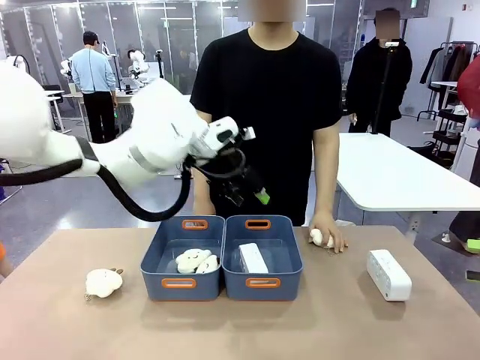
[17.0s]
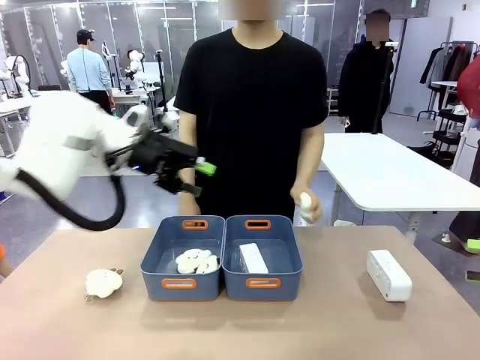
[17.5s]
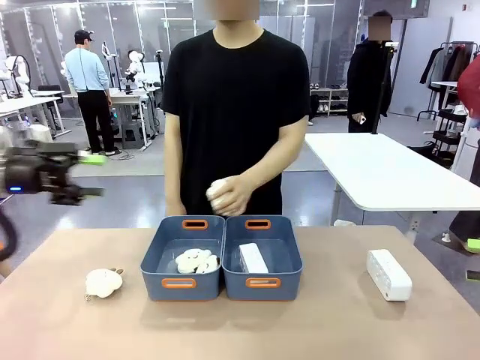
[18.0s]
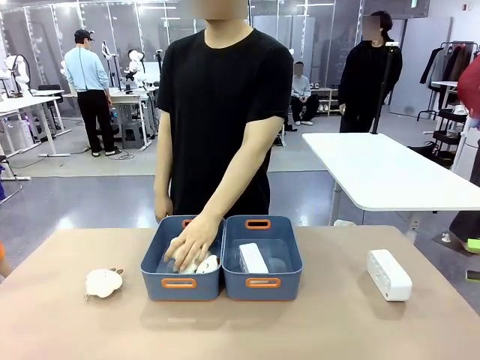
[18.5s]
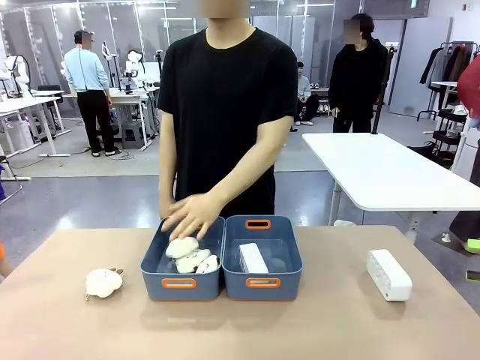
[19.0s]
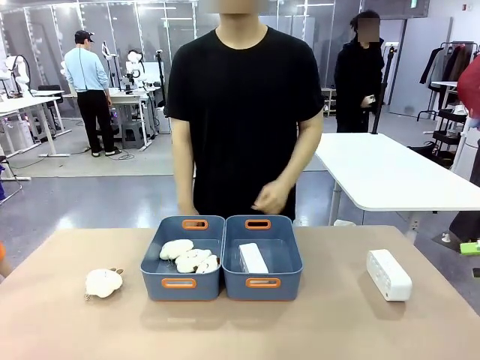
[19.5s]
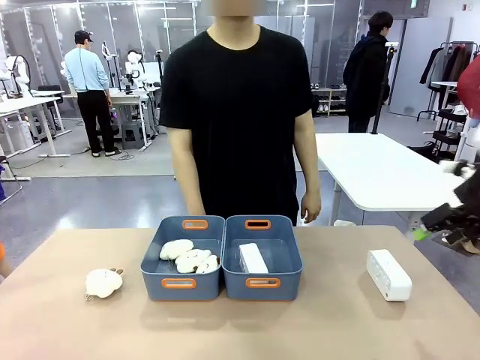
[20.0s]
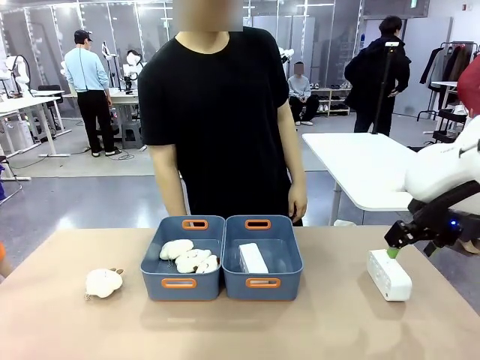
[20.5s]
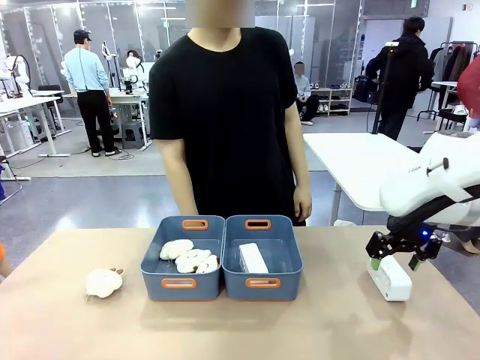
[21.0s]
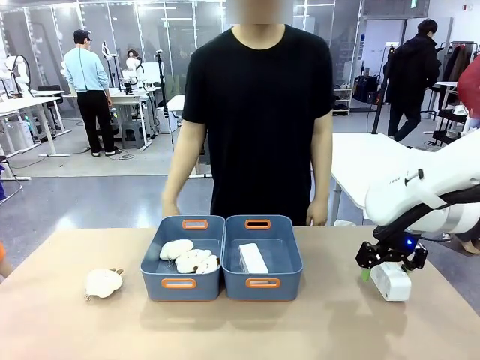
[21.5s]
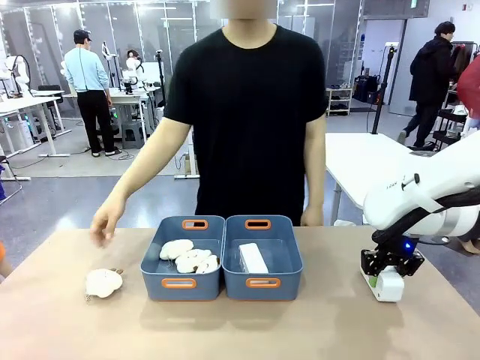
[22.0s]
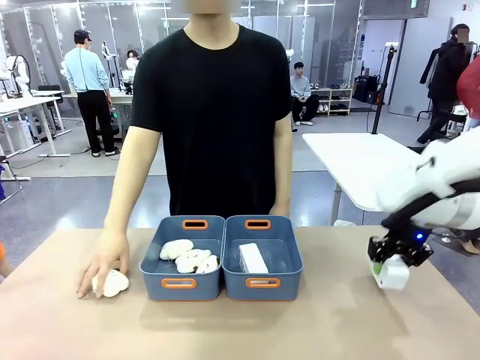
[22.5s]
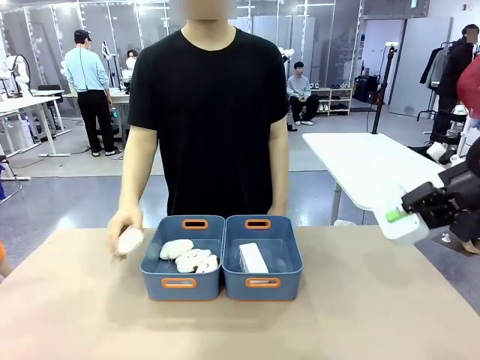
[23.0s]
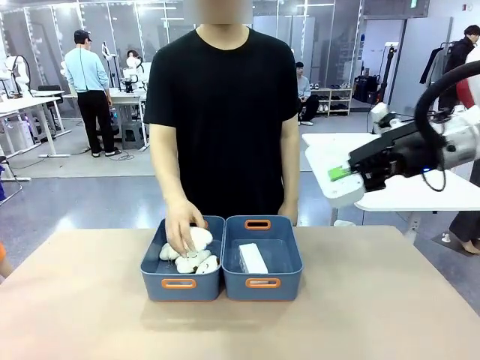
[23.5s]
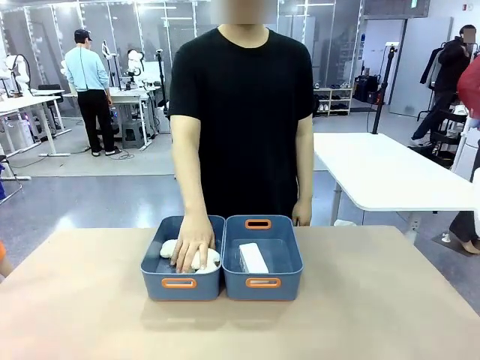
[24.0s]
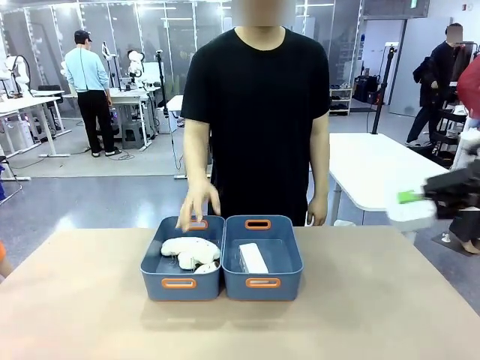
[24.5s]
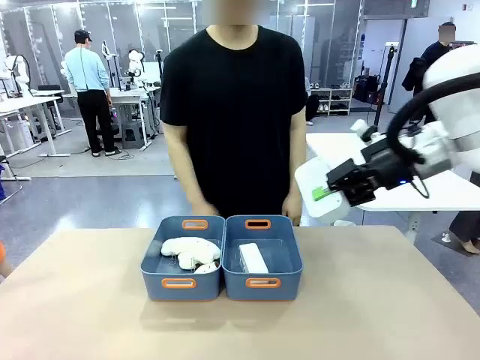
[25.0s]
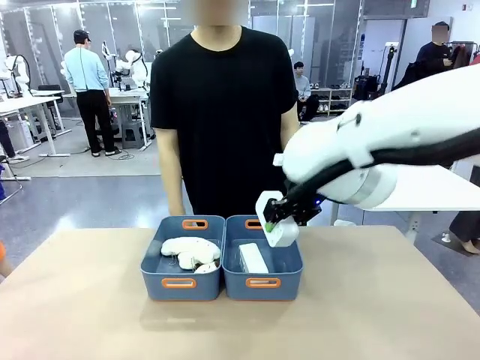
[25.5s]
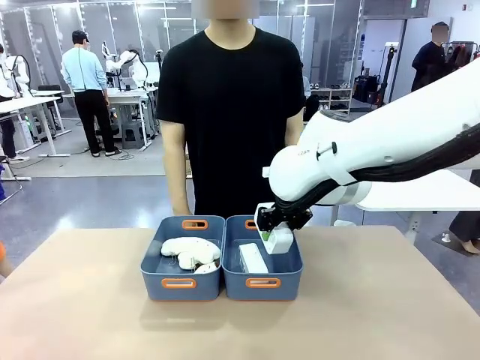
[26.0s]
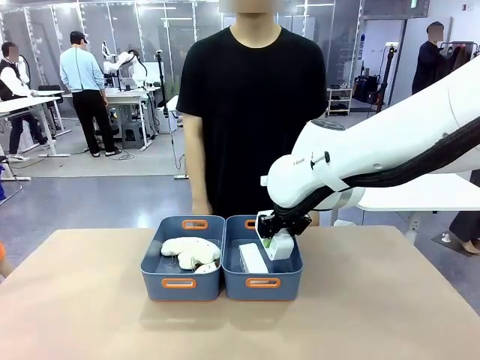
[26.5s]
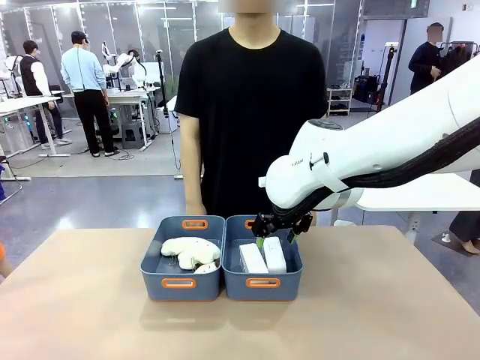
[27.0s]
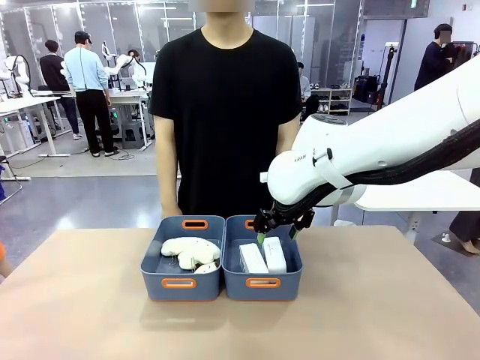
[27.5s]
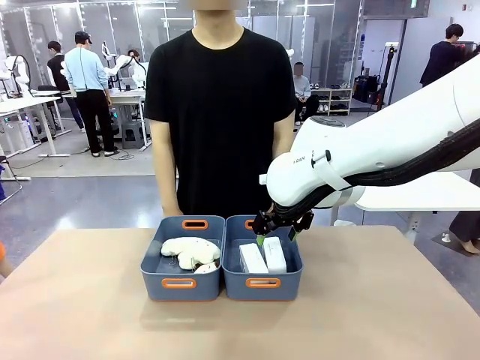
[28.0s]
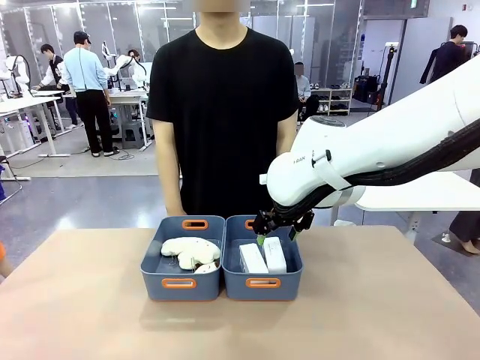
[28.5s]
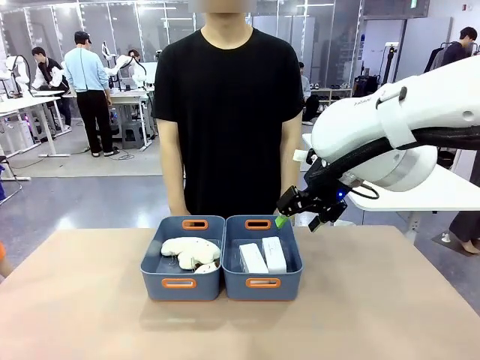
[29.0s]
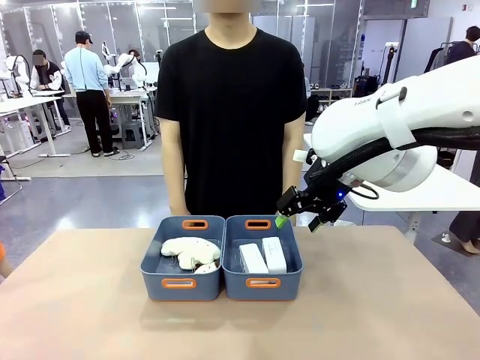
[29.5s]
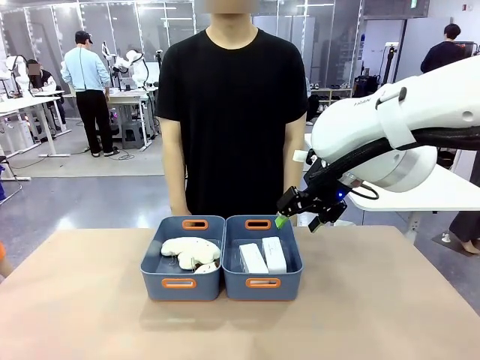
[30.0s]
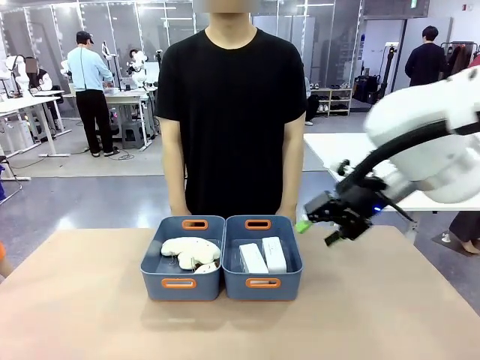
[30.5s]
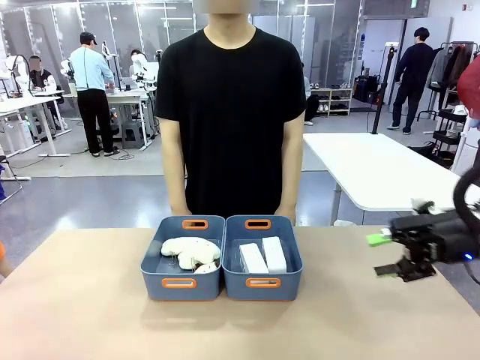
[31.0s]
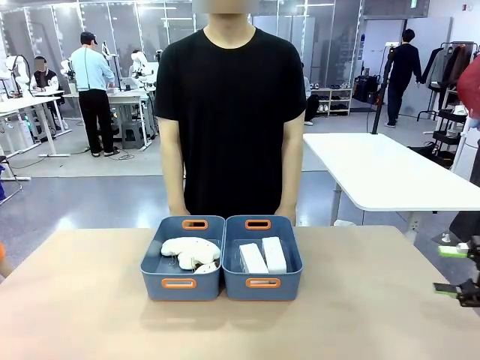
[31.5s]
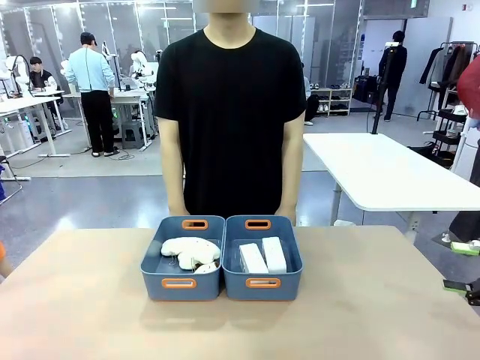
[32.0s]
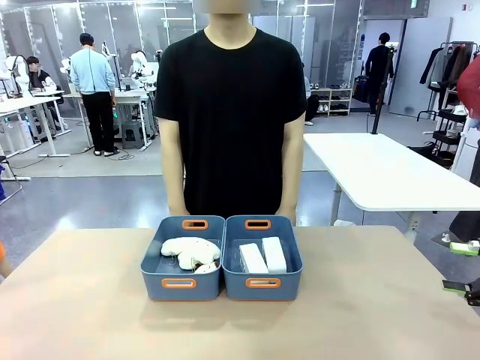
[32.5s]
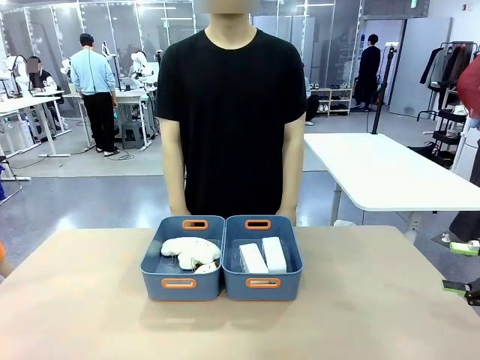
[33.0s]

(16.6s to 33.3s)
Task: Sort the digital clocks into the basket.
Robot: Pick up the Digital clock from the table and place it into the empty Plastic storage basket.
Person: Pick up a plush toy from the table and place it in the plastic storage basket containing the plush toy.

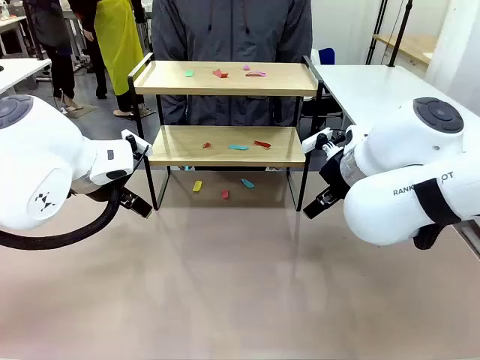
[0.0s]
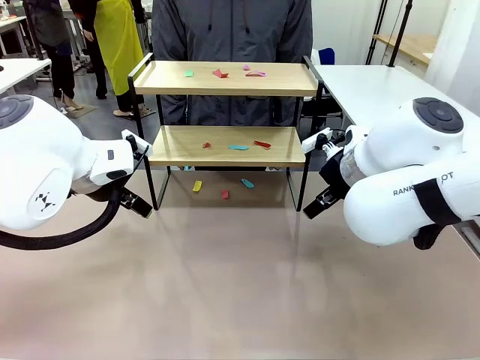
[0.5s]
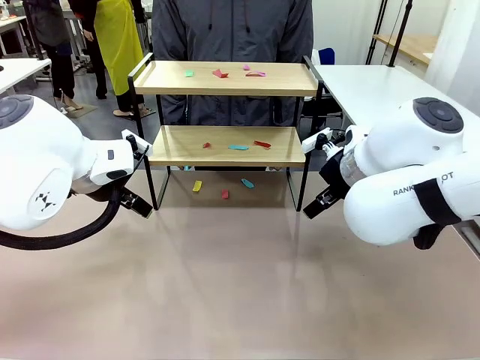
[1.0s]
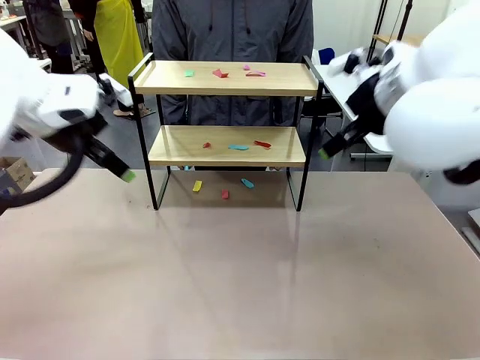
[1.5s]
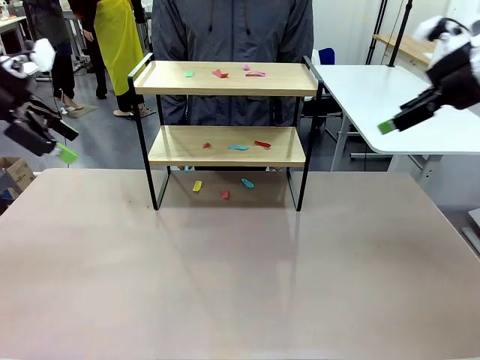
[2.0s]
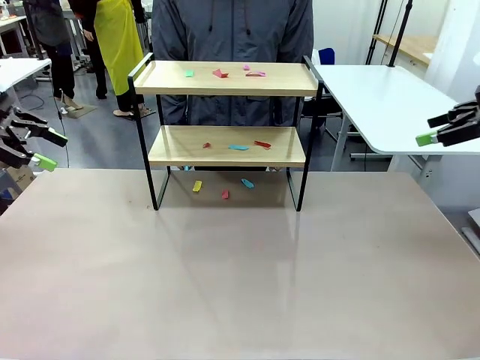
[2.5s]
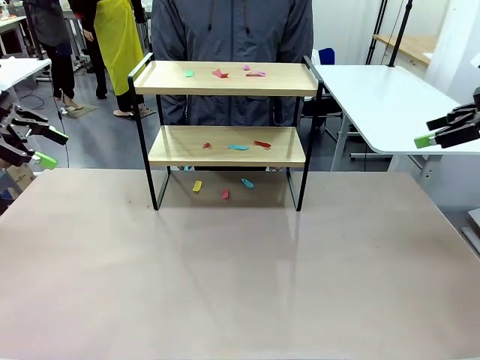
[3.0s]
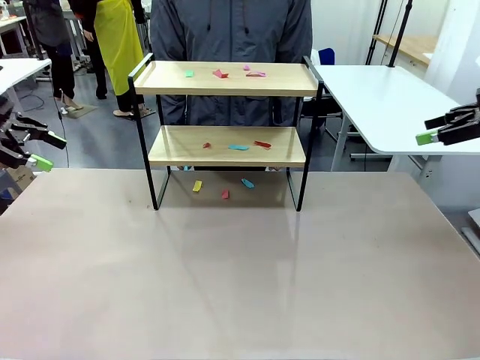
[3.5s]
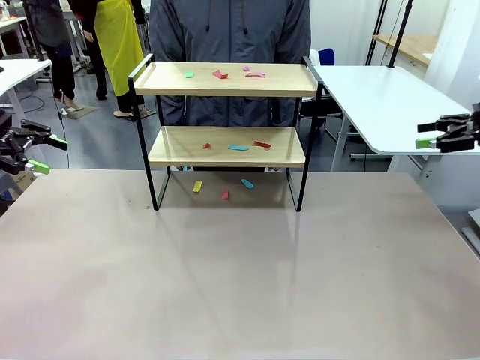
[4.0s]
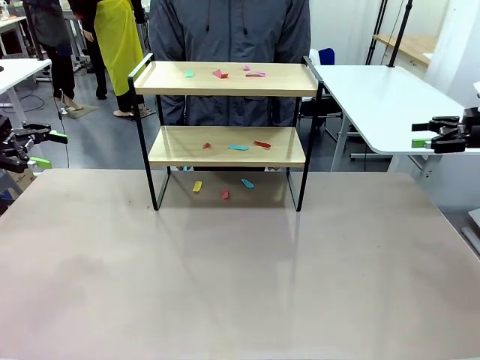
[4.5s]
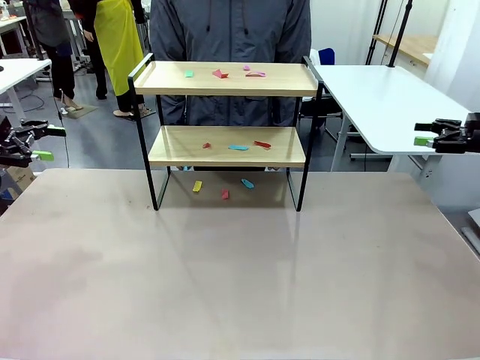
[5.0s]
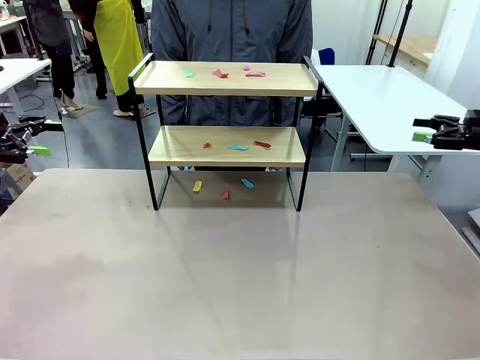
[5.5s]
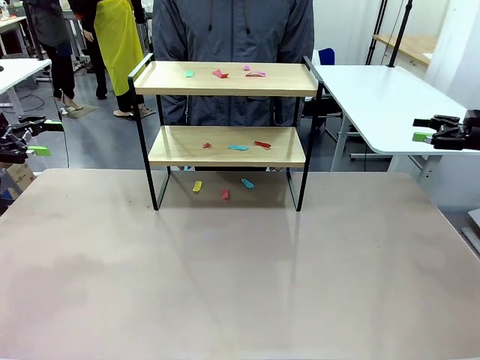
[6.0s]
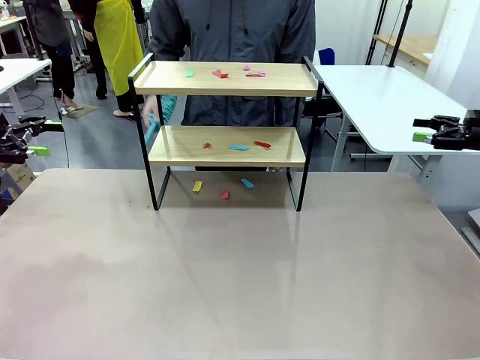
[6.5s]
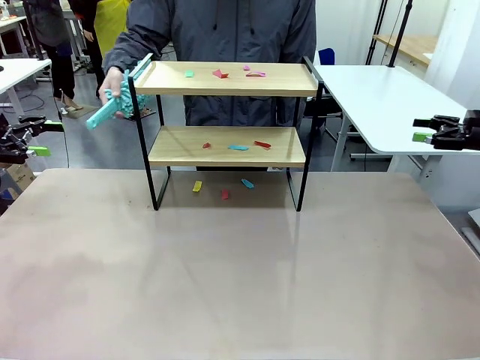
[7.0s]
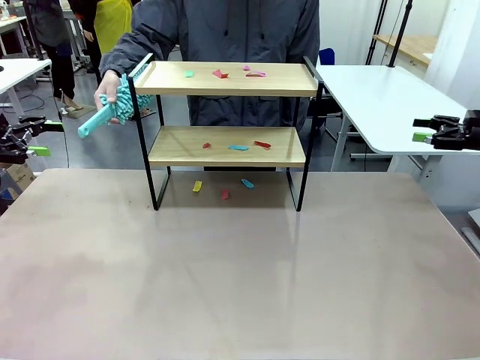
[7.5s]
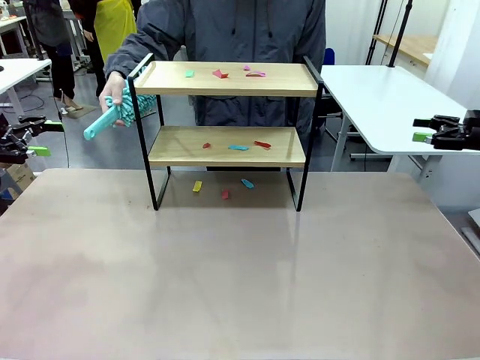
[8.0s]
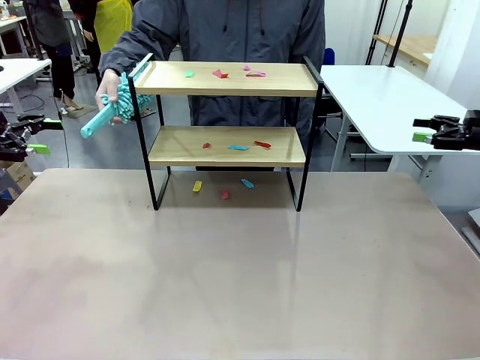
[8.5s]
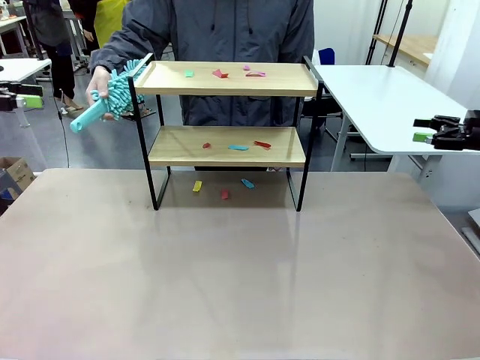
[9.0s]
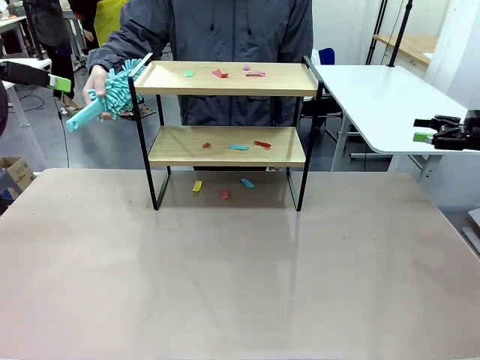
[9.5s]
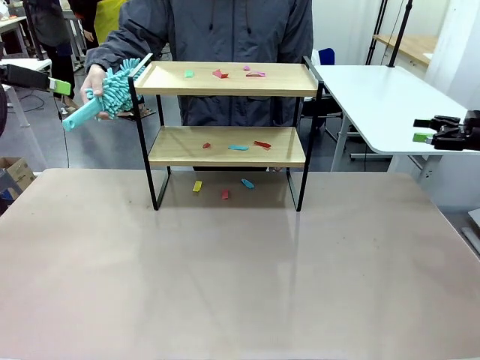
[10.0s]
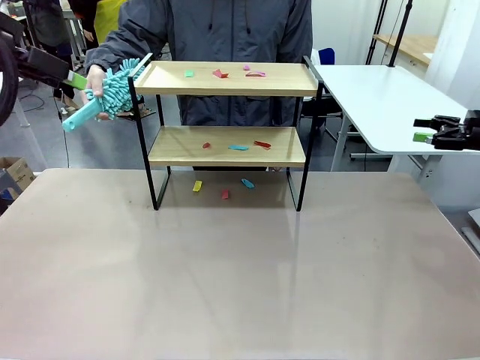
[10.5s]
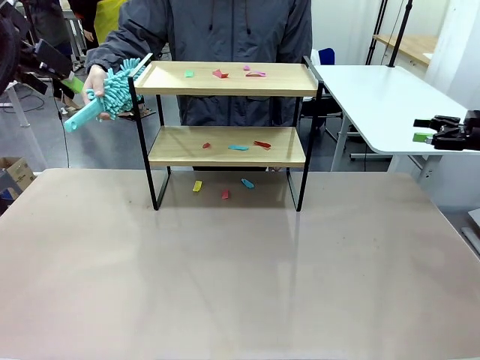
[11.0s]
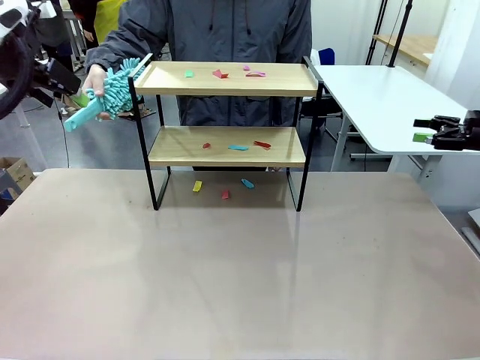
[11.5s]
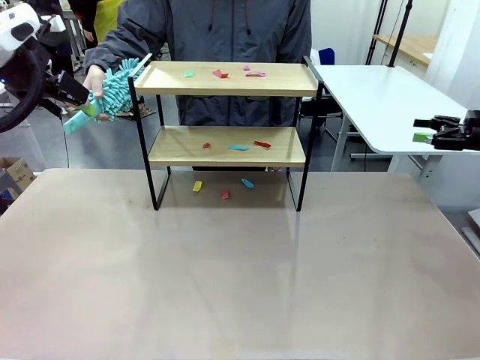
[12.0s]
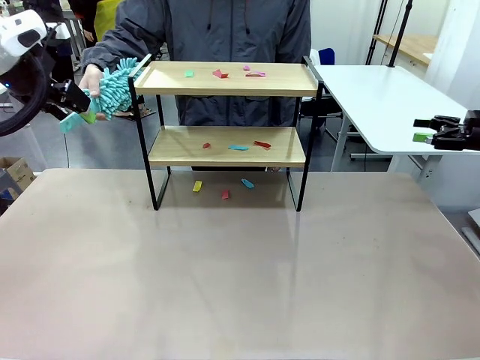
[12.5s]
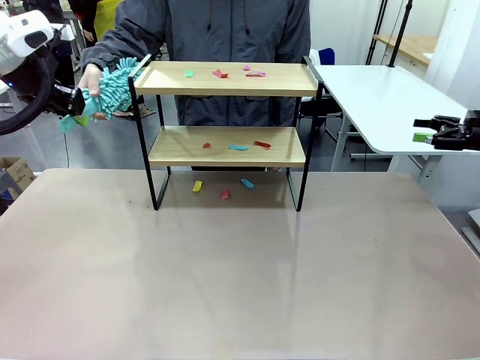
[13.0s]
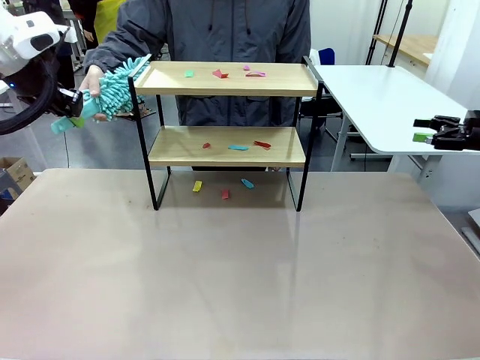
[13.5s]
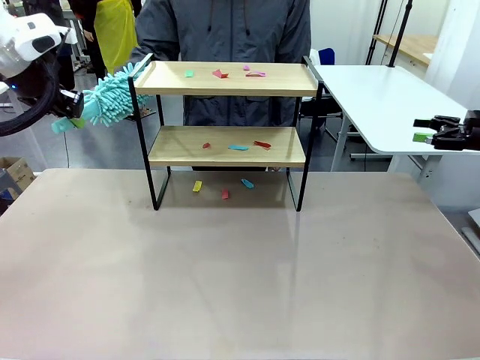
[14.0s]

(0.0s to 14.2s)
Task: Clean the shelf.
Robot: Pick up the Duster handed by the human.
Person: Hand the Duster to the robot.
